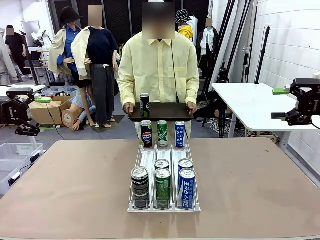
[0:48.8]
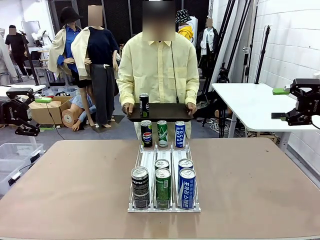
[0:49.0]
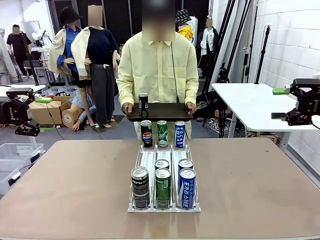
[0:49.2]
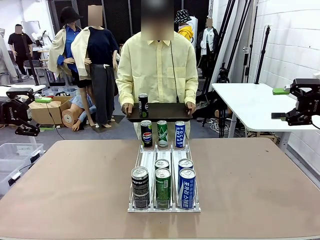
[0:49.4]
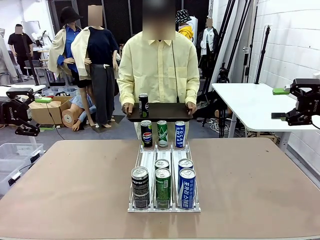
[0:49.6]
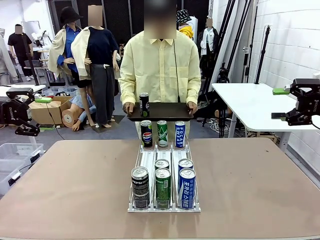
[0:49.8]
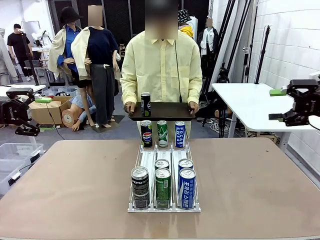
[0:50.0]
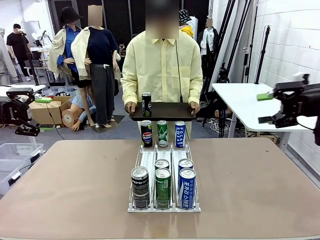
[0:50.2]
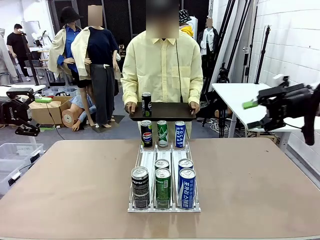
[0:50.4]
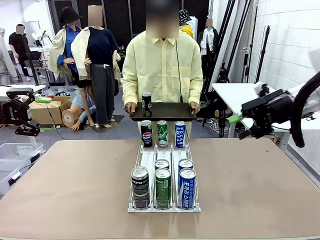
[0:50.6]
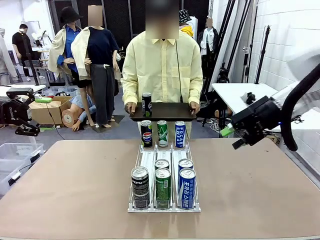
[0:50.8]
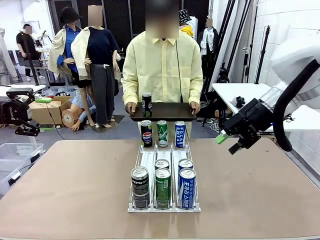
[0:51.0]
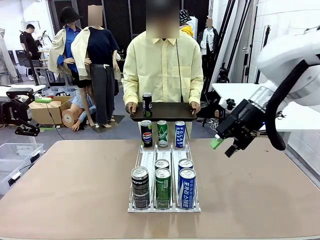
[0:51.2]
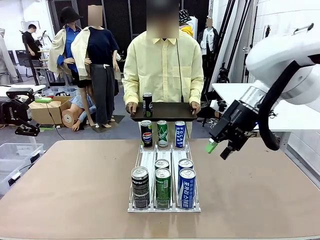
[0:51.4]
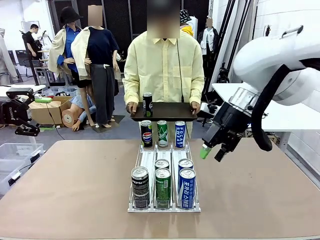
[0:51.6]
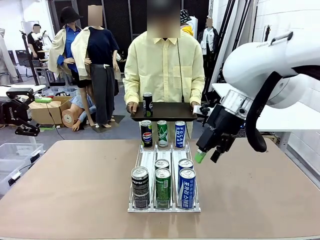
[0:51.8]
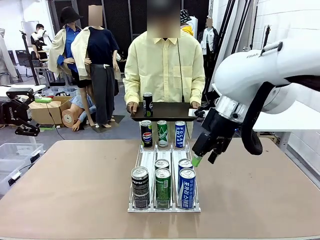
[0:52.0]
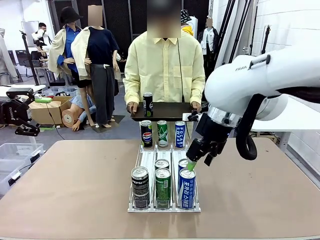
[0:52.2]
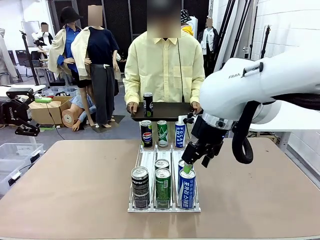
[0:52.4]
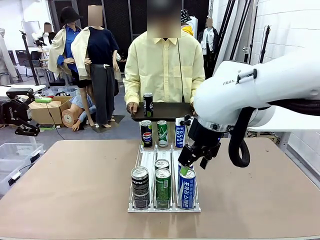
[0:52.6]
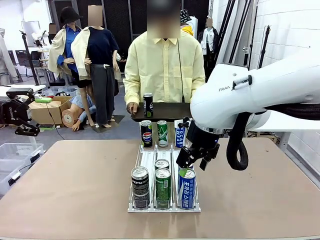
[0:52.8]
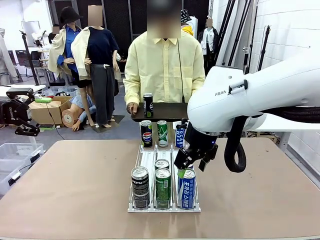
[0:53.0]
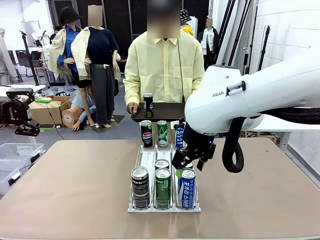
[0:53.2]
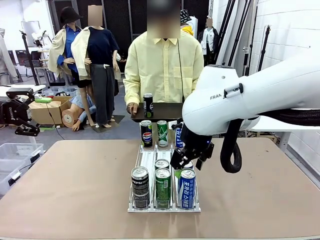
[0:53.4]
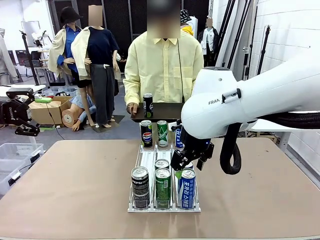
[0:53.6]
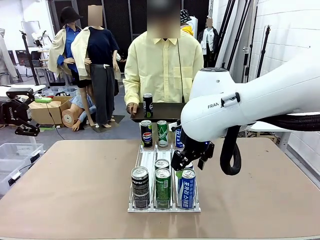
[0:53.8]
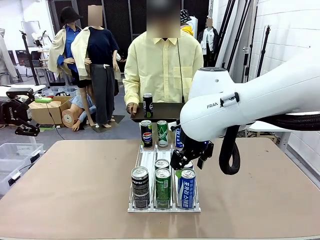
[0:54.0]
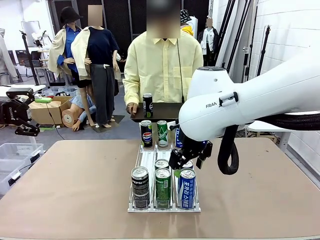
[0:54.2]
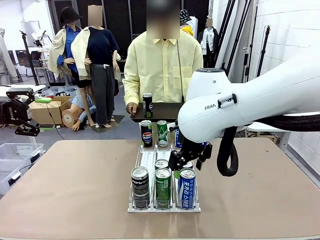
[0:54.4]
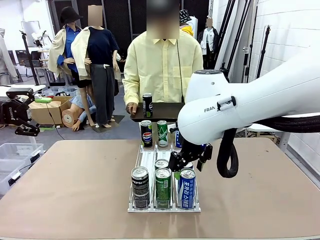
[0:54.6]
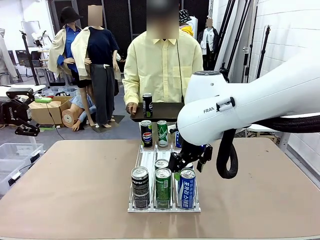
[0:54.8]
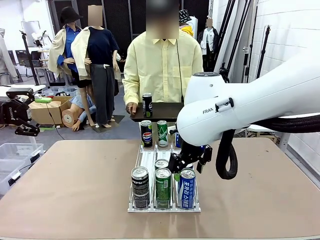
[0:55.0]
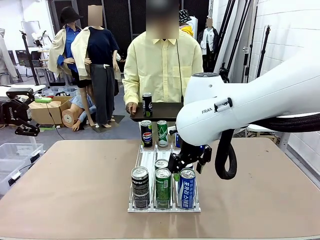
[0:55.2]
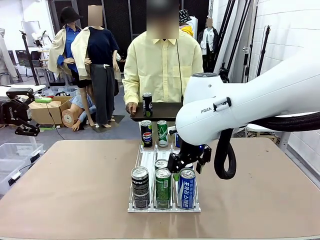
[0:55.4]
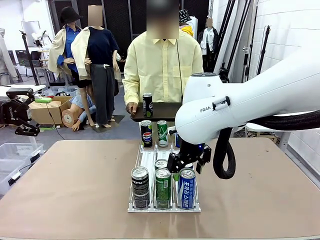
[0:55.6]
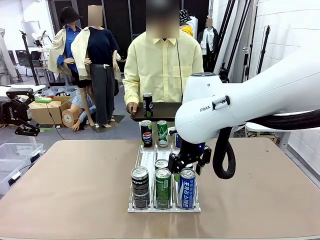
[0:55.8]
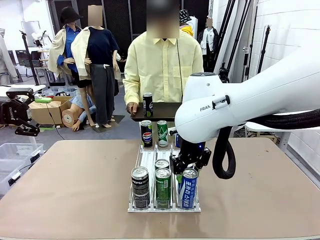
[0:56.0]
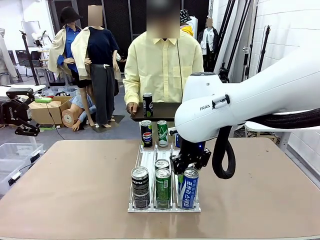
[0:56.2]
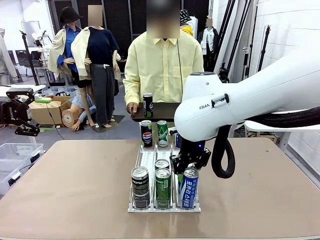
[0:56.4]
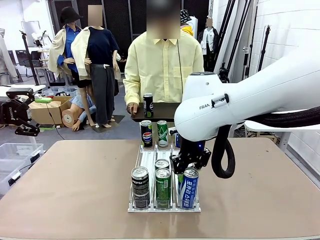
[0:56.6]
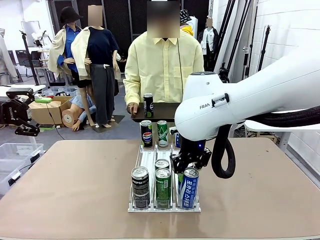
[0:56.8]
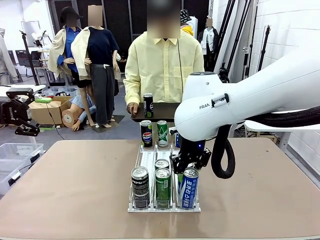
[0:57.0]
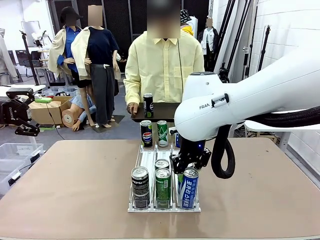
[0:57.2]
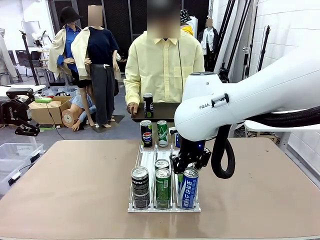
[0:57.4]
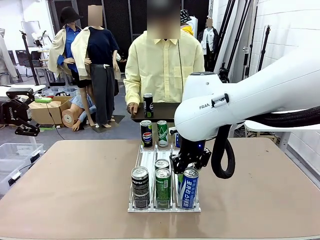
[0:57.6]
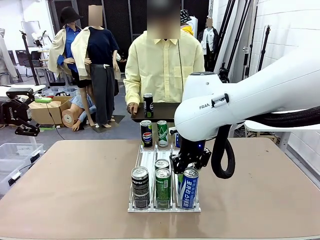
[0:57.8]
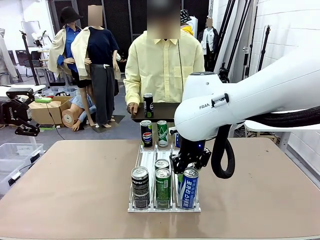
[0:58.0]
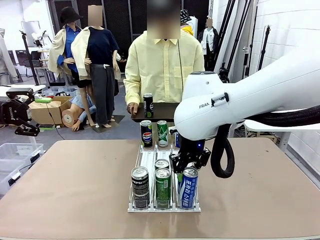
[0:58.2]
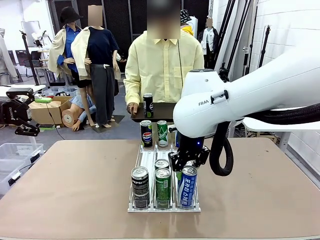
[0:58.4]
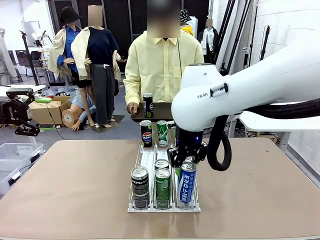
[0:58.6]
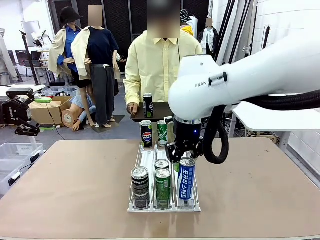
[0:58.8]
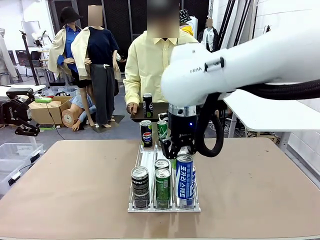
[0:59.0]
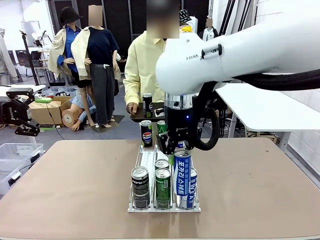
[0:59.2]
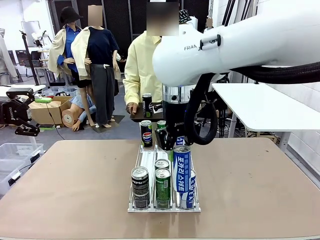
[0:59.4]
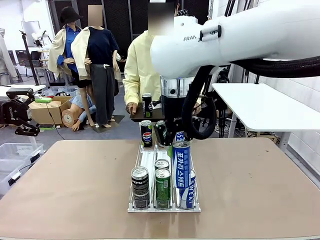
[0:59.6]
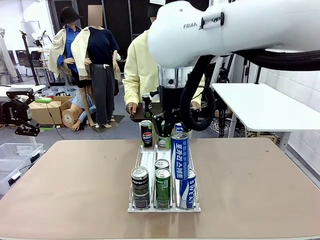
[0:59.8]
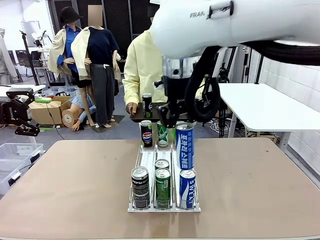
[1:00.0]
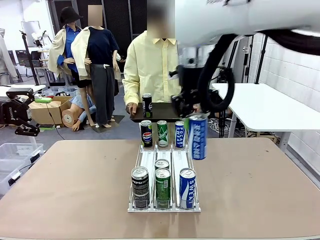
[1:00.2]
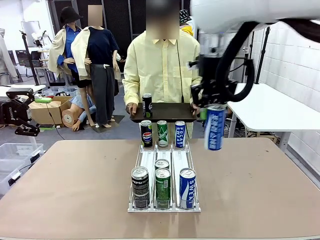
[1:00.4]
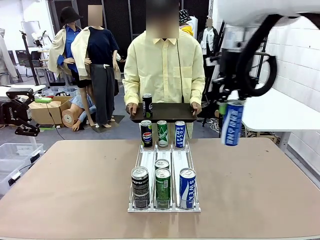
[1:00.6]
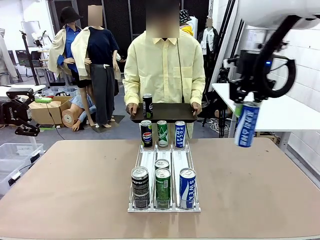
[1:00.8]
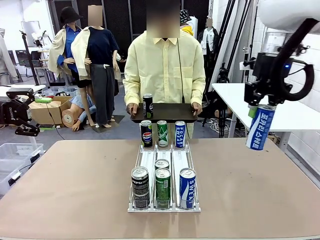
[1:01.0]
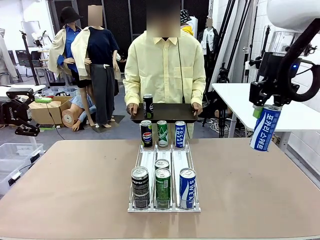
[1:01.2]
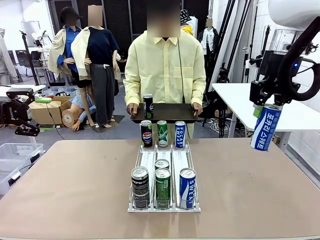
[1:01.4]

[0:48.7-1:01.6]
Task: Retrieve and hand over the desired beverage to the person.
Robot: Pick up another can of the same type that the person held from the Automatic Can Dispenser.
Person: Push the tray toward the robot again.
